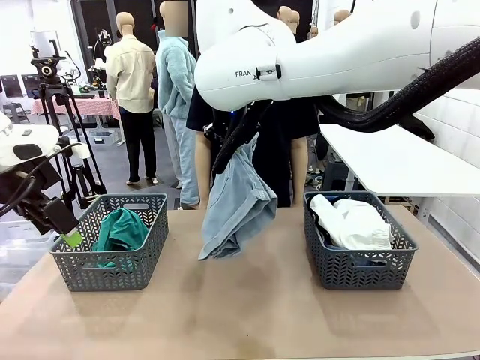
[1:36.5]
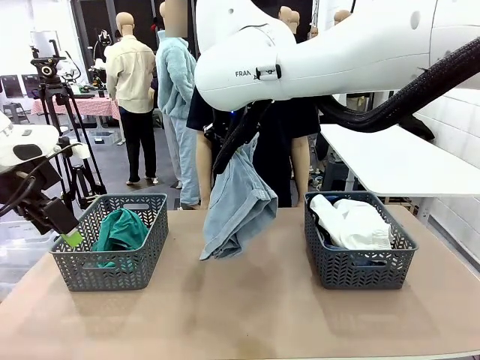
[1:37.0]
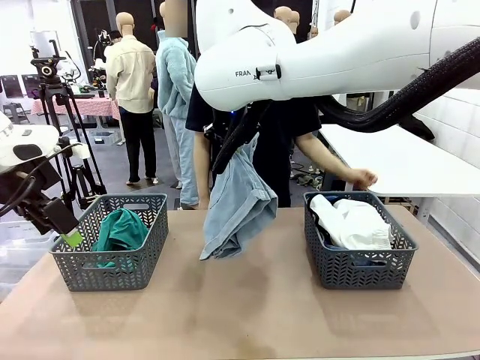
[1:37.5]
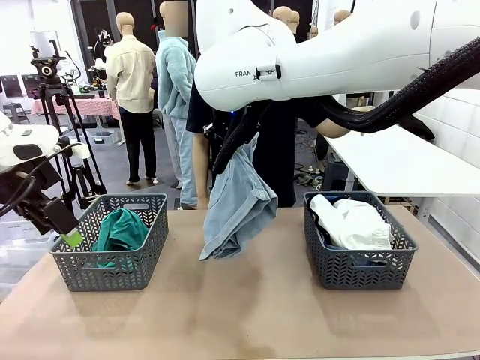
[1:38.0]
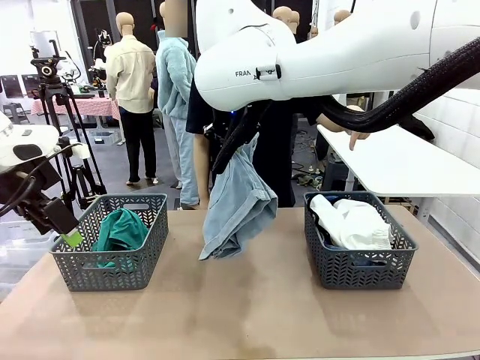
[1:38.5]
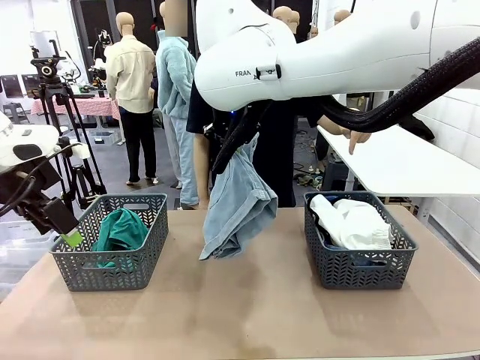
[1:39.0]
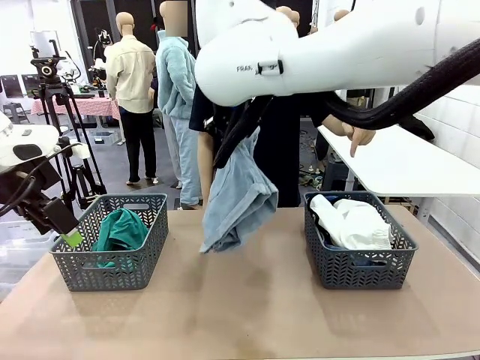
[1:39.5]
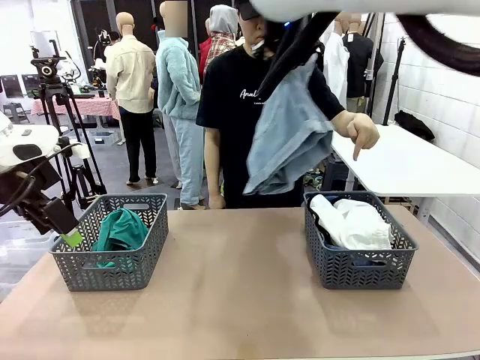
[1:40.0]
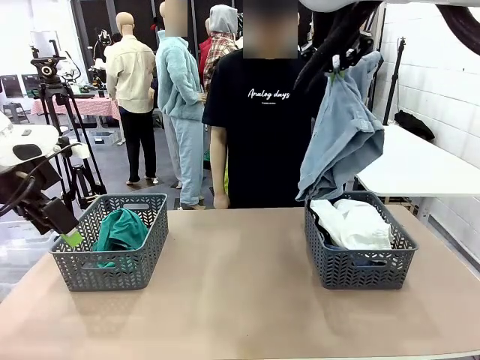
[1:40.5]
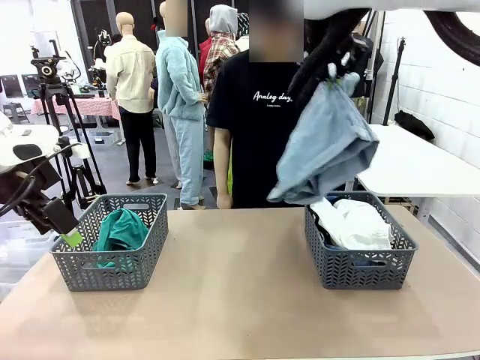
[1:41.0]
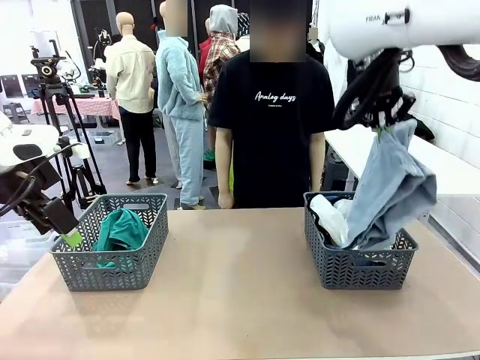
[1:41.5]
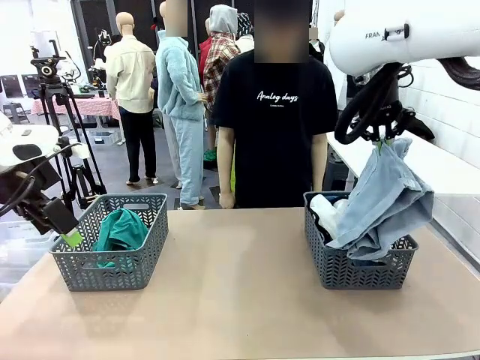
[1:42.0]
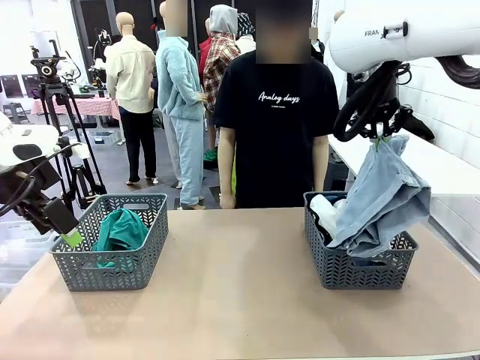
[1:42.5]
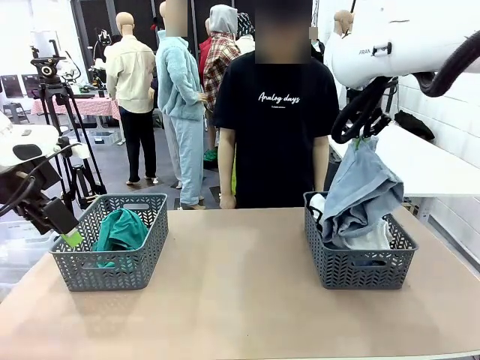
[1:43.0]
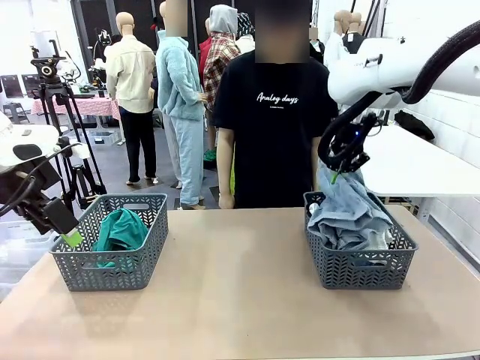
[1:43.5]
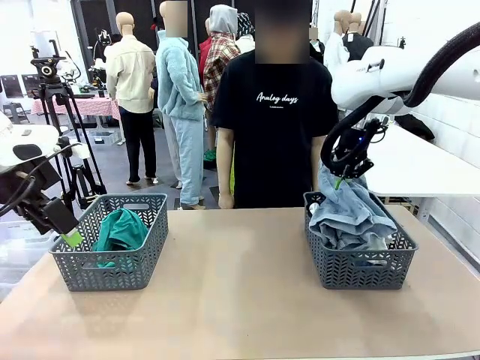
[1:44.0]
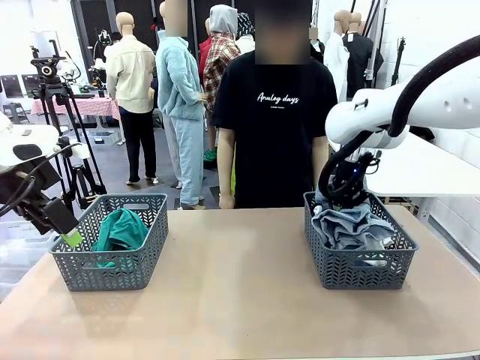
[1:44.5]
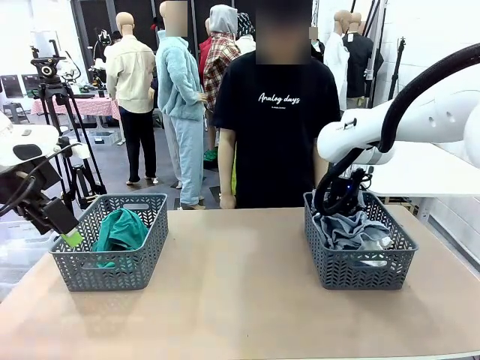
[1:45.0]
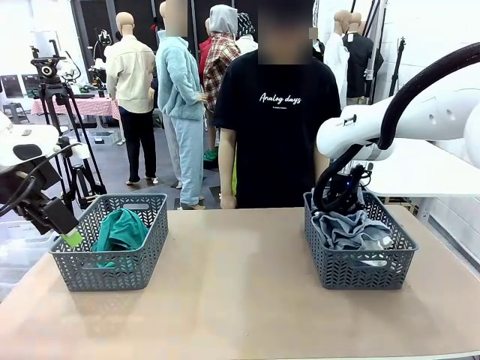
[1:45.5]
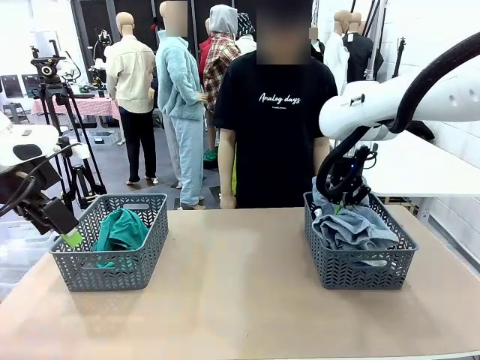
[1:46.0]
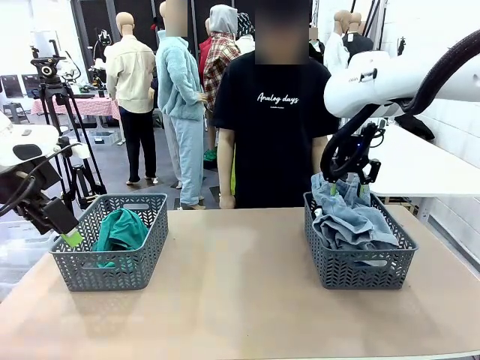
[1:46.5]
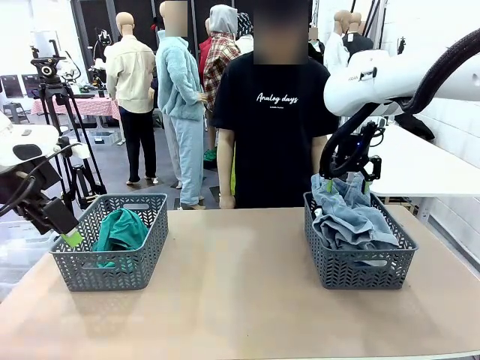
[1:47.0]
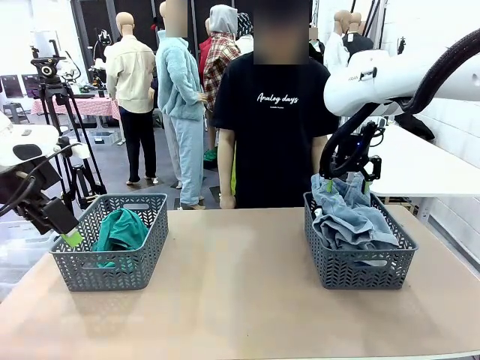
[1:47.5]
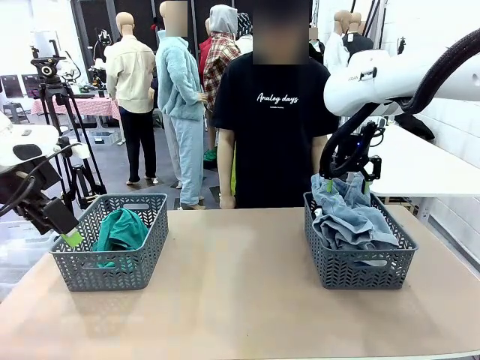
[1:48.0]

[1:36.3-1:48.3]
Task: Sort the tops and bottoms.
Robot: Sort the clothes according to human instructions.

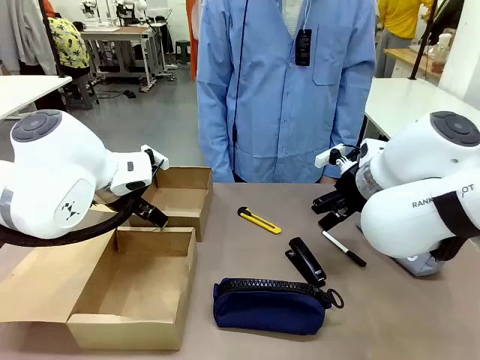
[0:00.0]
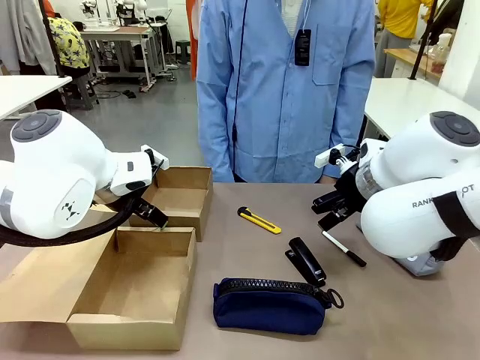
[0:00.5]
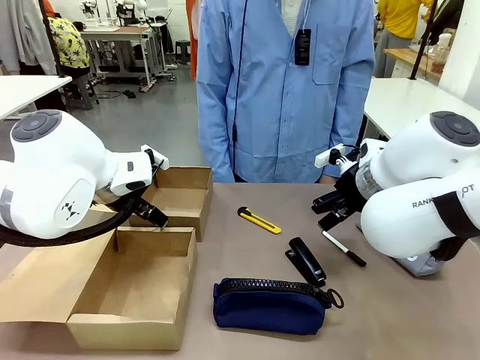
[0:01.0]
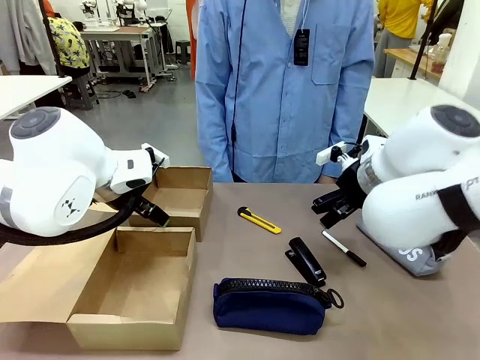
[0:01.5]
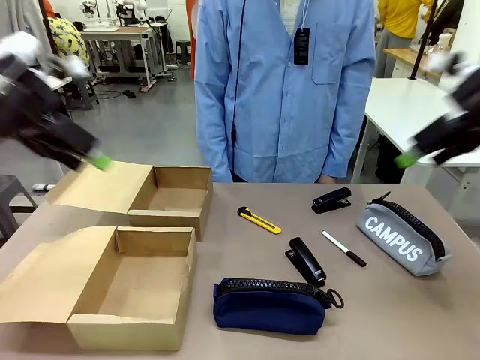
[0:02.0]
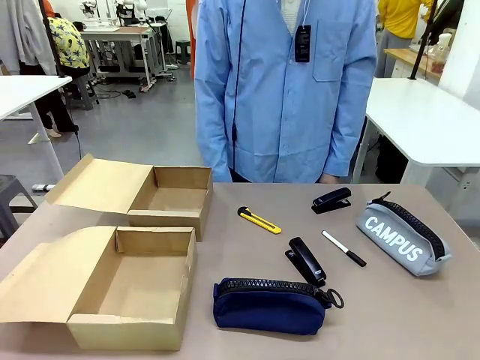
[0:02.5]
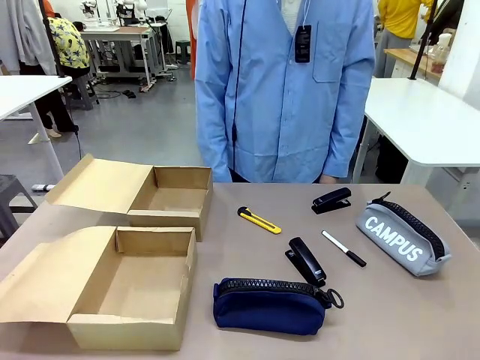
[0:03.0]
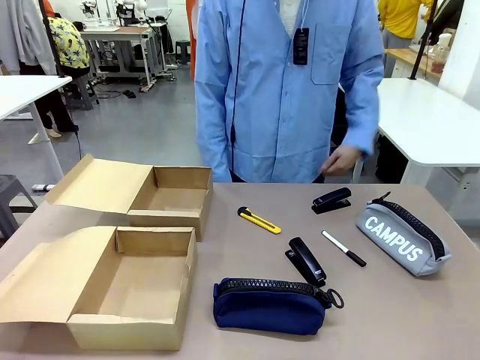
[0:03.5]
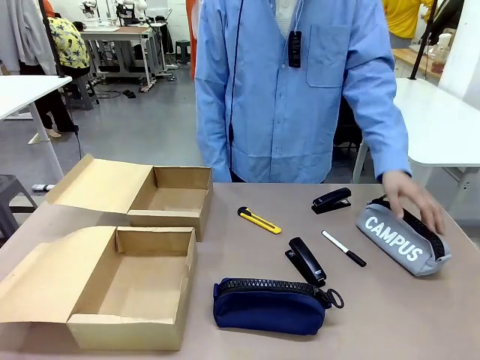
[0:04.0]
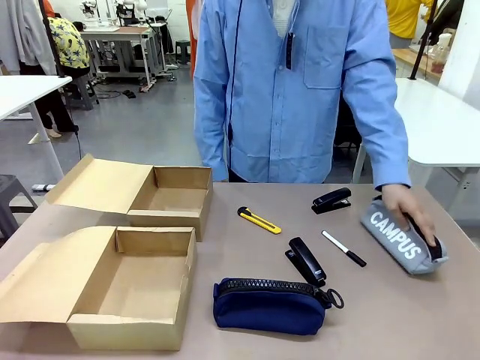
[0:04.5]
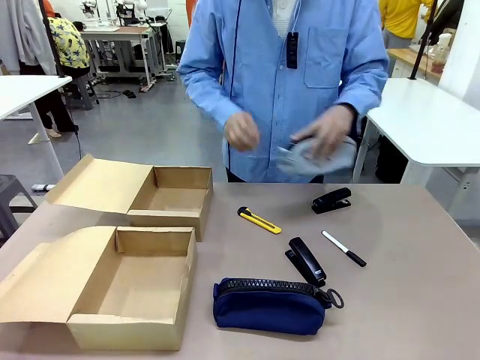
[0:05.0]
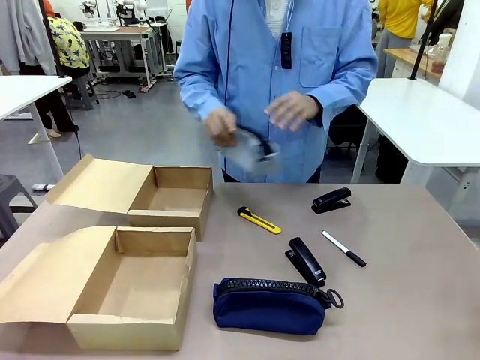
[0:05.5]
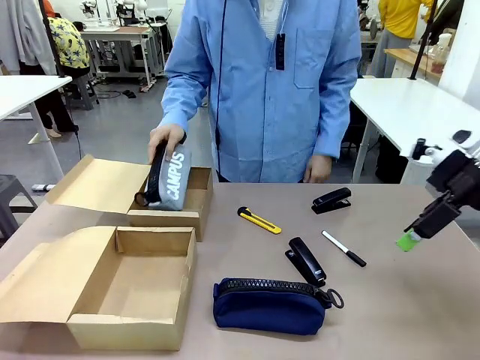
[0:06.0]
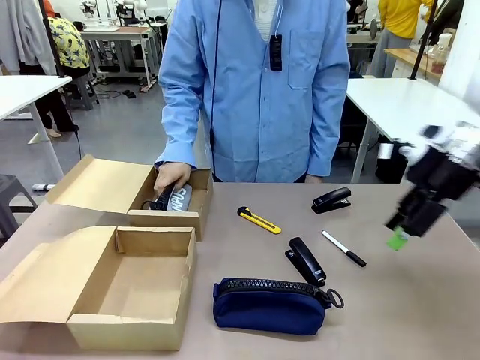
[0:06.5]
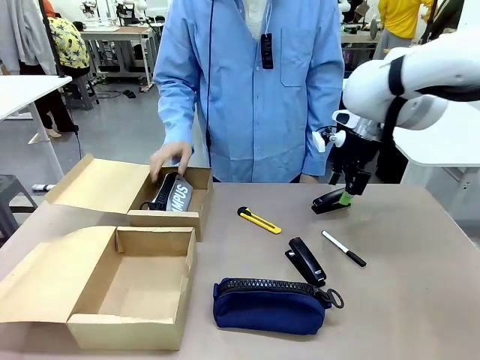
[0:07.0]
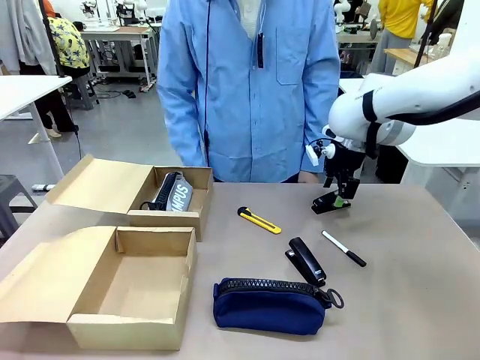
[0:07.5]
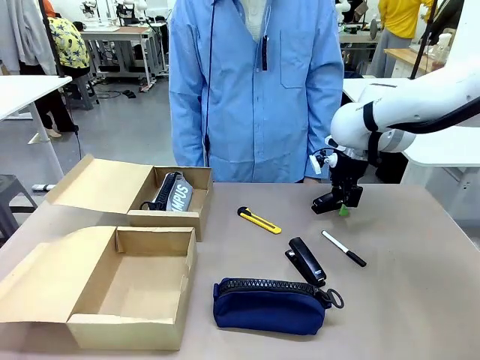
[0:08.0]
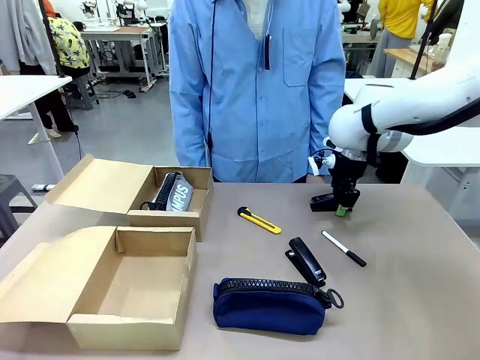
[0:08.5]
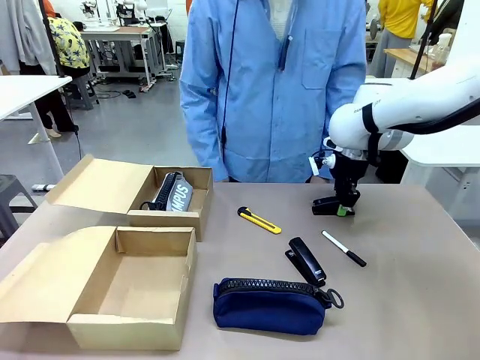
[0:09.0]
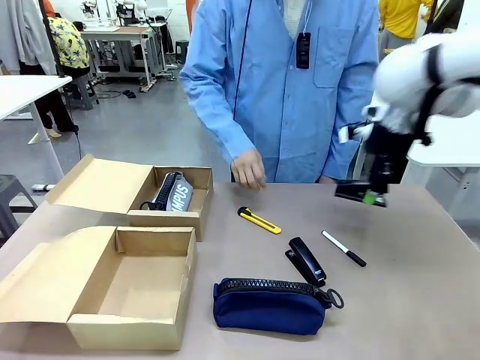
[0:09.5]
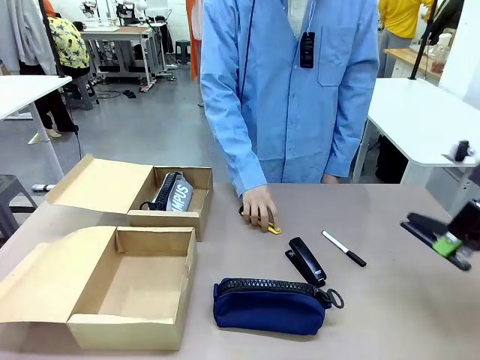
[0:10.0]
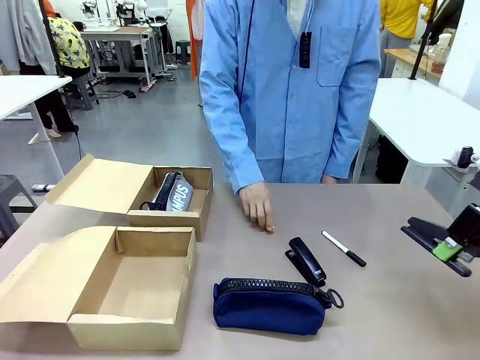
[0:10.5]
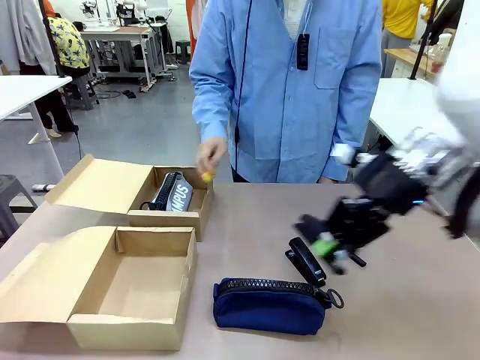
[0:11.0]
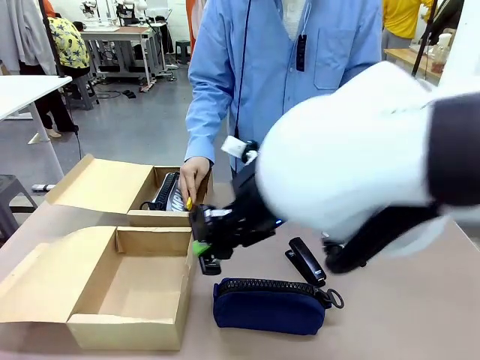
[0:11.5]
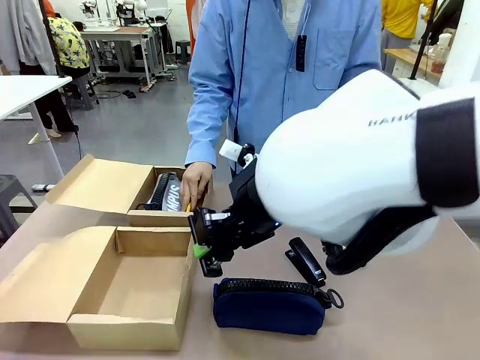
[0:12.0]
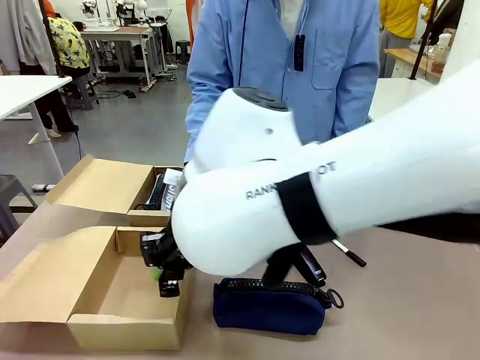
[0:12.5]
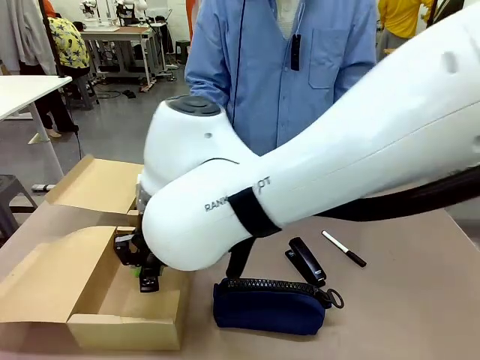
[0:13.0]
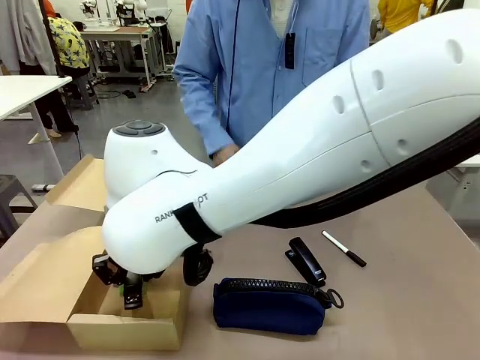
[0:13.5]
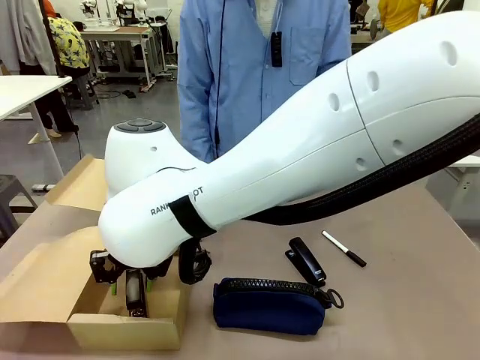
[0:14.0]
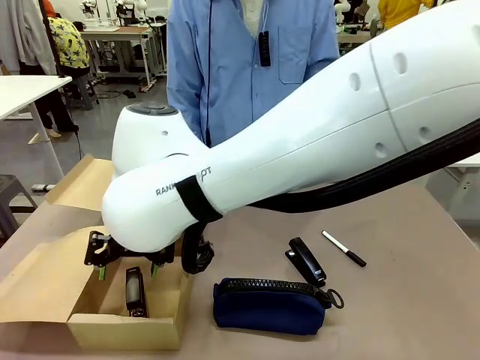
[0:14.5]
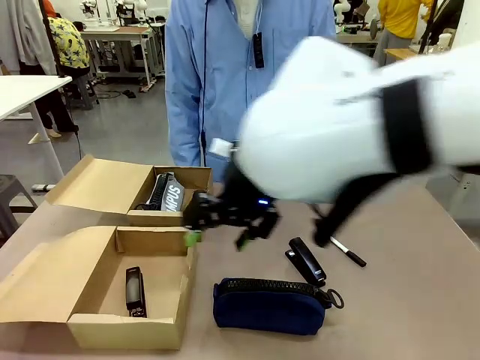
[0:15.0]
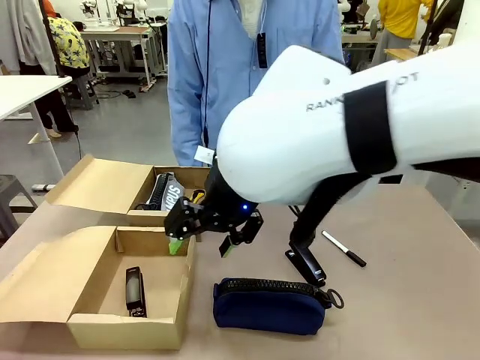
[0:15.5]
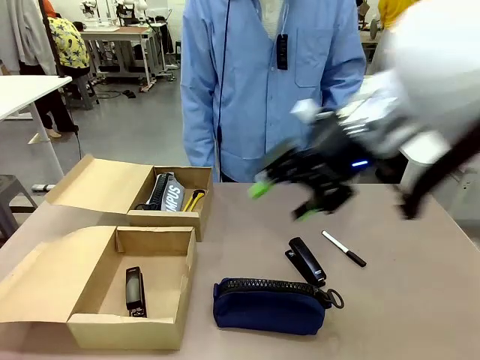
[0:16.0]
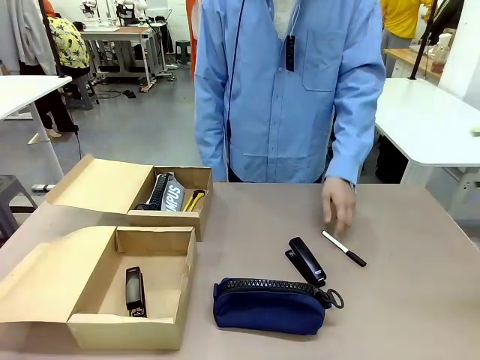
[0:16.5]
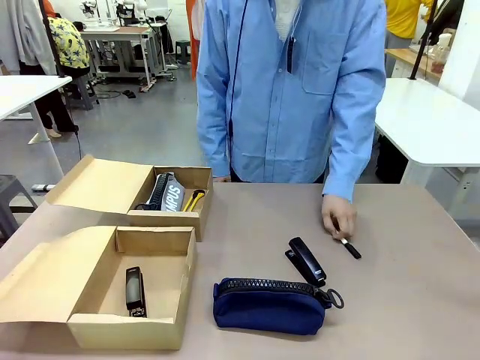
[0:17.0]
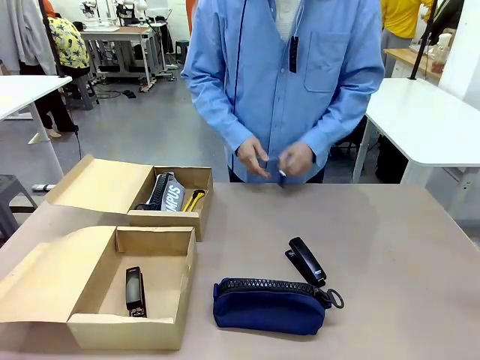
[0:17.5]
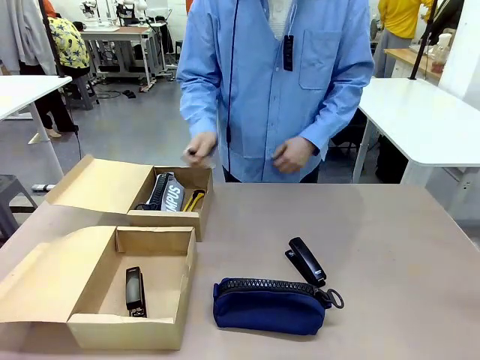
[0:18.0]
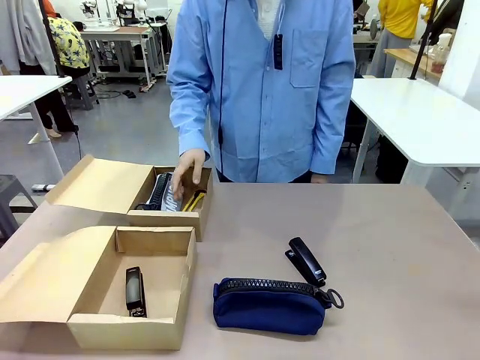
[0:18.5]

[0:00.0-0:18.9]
Task: Place items inside the box.
Robot: Pick up a Pencil pouch or Stapler and place it inside the Mailer Box closest to the robot.
Person: Pick up an object on the table and put it in the box.
